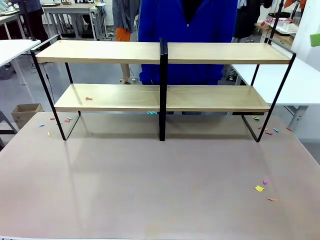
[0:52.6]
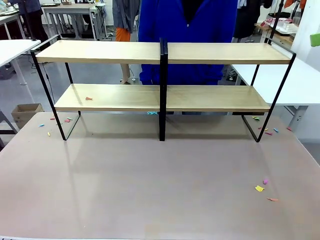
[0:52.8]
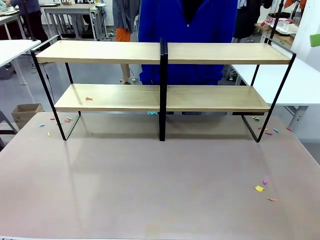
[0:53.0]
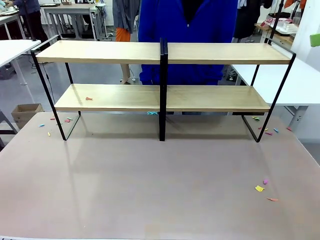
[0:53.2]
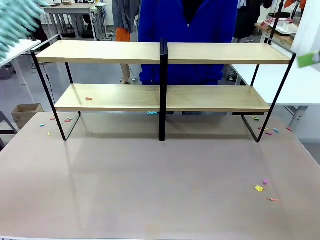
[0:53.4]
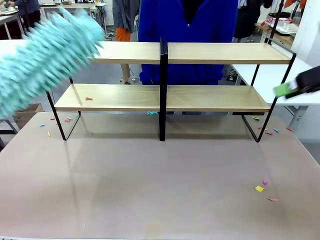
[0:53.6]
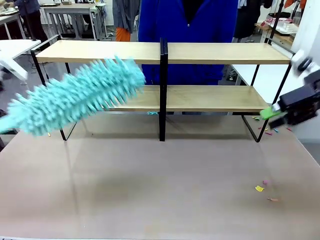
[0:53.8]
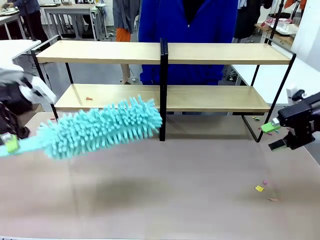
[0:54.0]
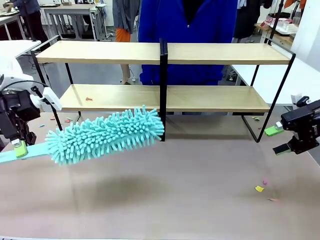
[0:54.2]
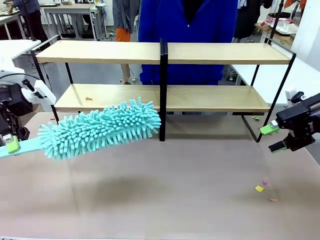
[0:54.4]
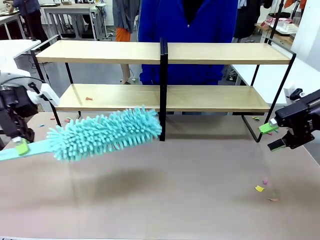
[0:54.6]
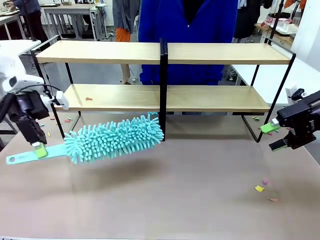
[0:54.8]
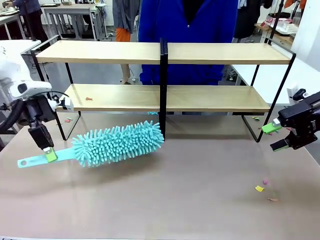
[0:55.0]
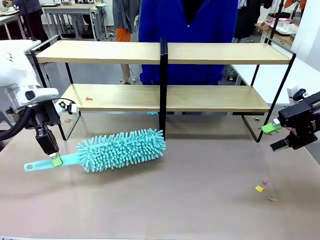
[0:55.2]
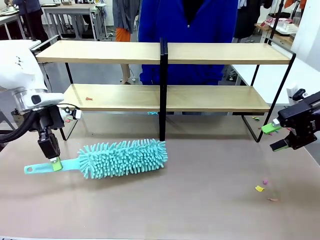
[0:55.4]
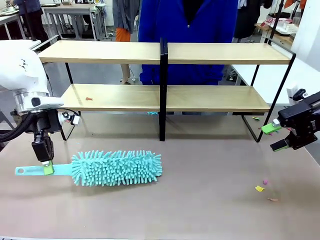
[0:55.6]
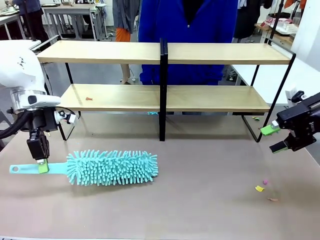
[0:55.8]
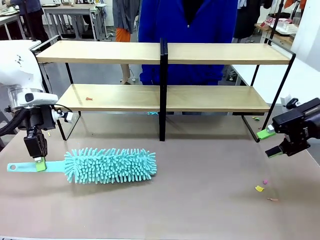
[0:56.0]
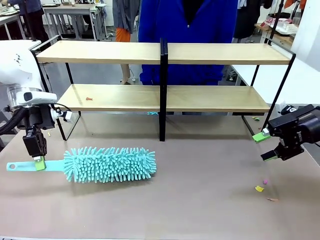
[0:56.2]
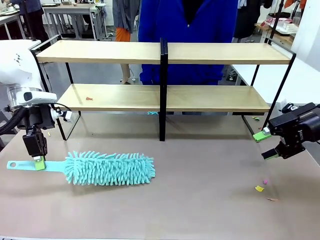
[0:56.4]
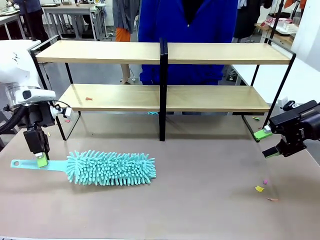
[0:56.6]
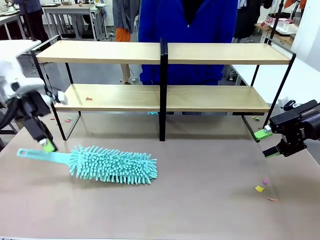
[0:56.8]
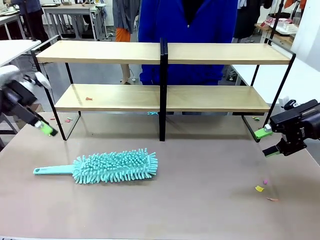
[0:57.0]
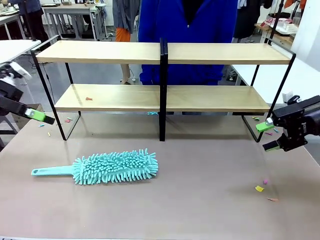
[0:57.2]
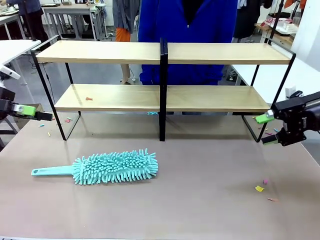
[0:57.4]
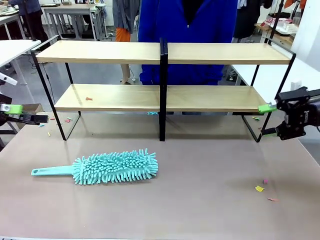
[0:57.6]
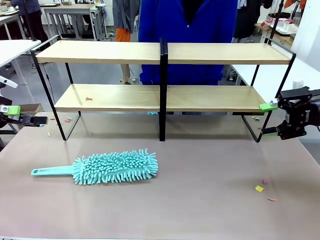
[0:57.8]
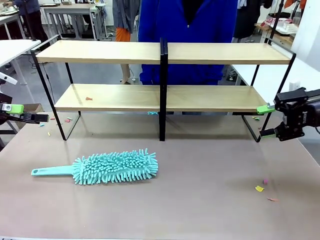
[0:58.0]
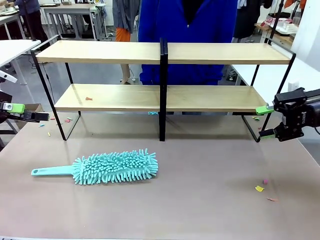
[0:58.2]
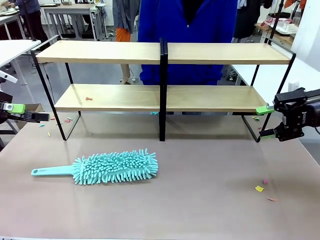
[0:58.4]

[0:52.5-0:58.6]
Task: Clean the shelves.
Robot: Place the Duster on the table.

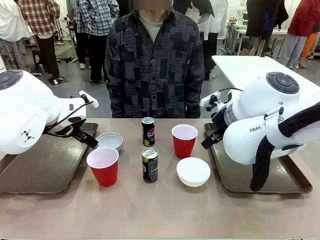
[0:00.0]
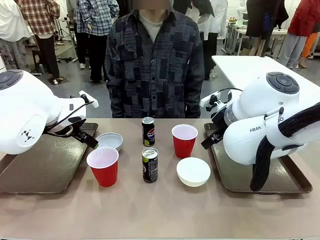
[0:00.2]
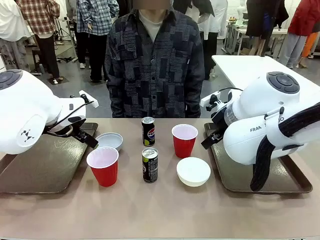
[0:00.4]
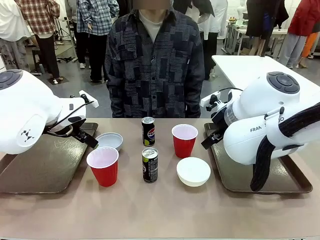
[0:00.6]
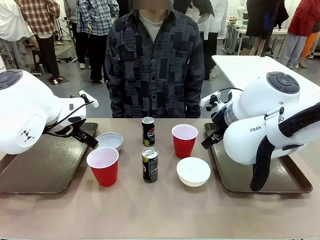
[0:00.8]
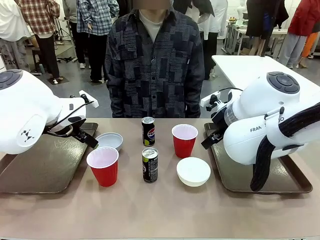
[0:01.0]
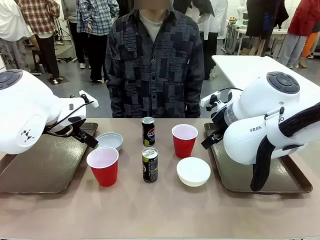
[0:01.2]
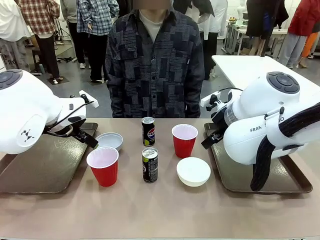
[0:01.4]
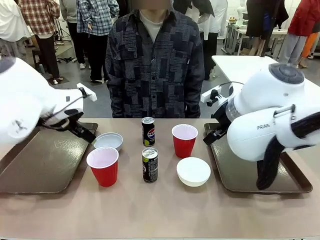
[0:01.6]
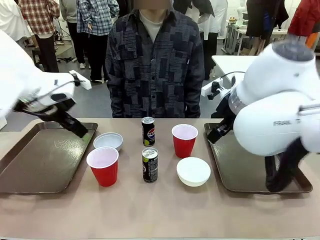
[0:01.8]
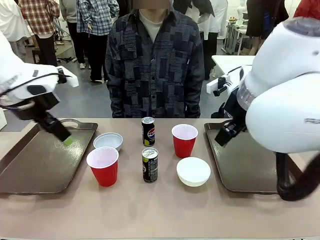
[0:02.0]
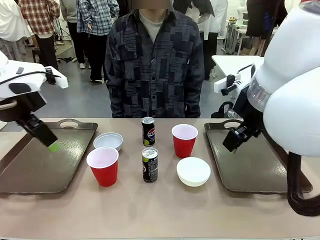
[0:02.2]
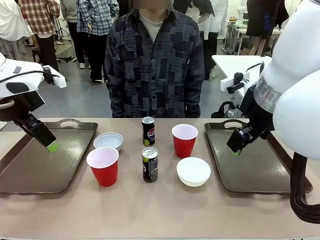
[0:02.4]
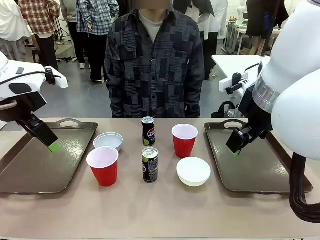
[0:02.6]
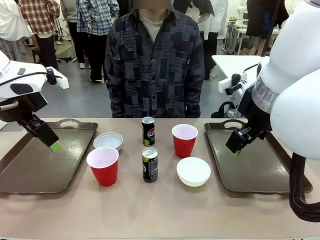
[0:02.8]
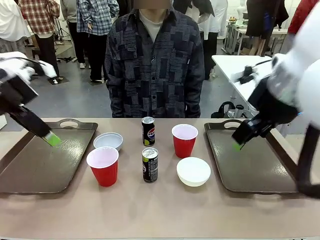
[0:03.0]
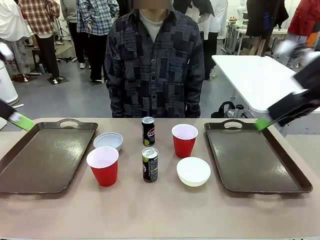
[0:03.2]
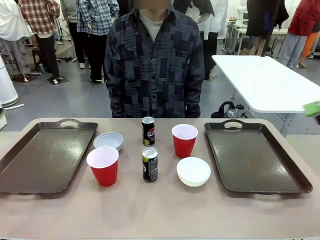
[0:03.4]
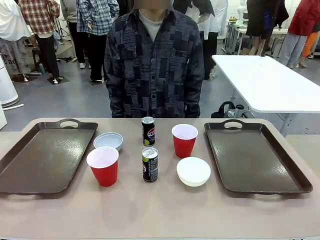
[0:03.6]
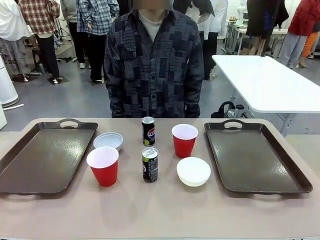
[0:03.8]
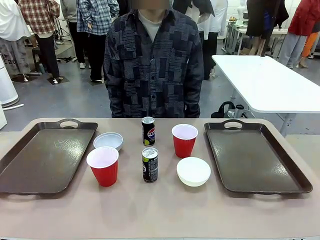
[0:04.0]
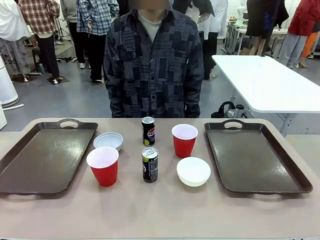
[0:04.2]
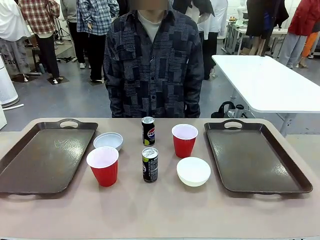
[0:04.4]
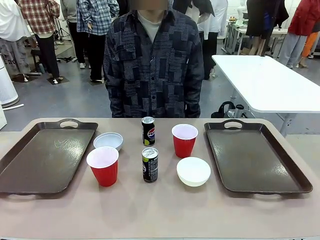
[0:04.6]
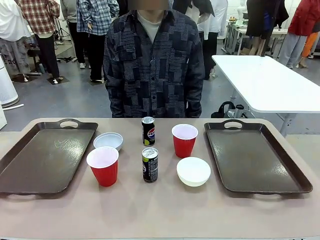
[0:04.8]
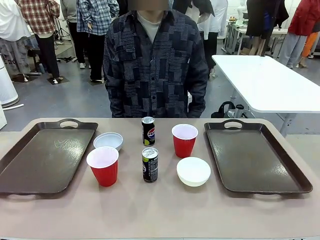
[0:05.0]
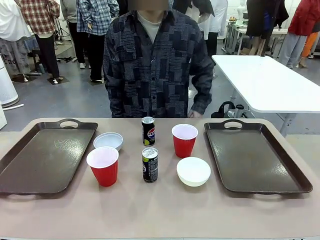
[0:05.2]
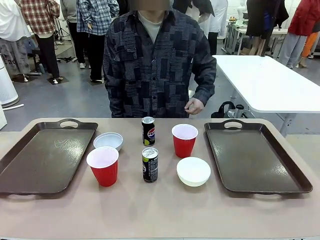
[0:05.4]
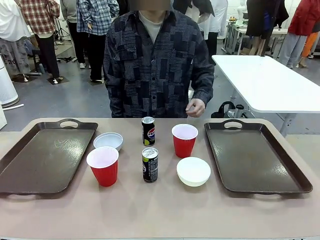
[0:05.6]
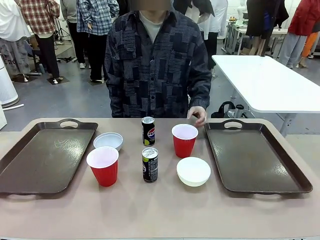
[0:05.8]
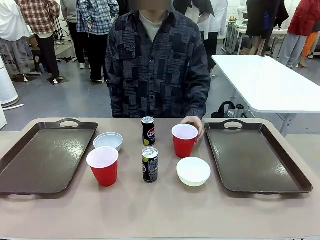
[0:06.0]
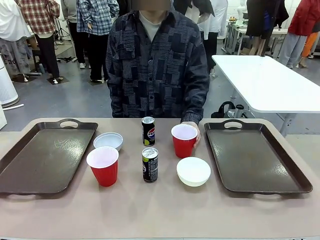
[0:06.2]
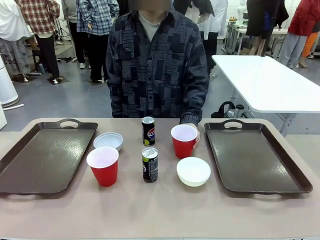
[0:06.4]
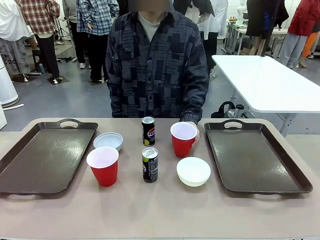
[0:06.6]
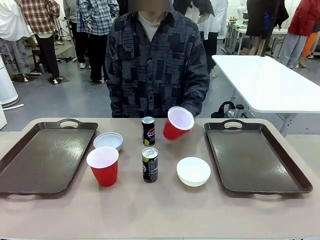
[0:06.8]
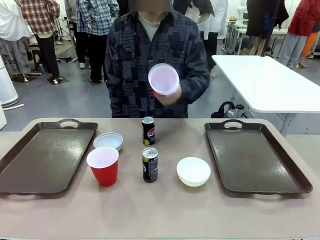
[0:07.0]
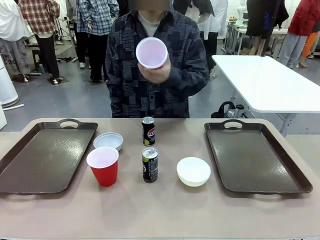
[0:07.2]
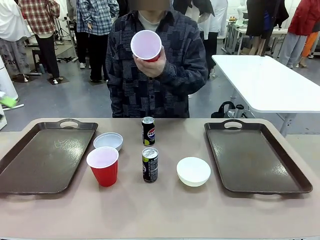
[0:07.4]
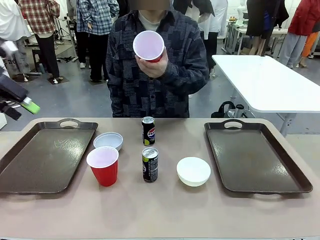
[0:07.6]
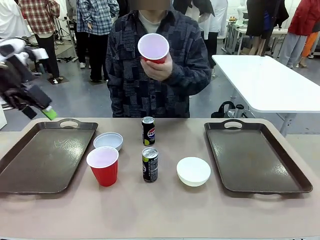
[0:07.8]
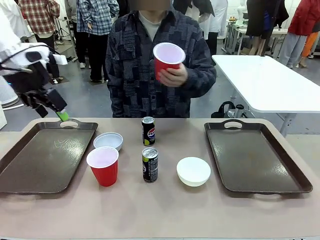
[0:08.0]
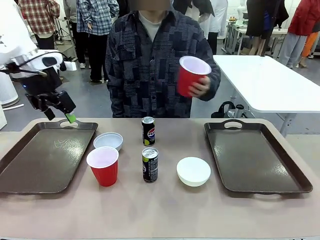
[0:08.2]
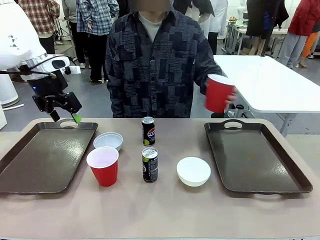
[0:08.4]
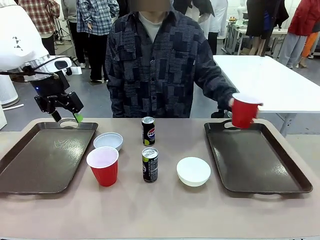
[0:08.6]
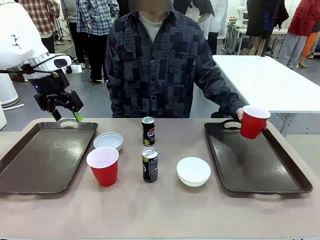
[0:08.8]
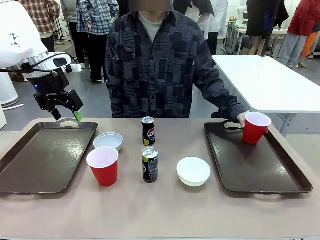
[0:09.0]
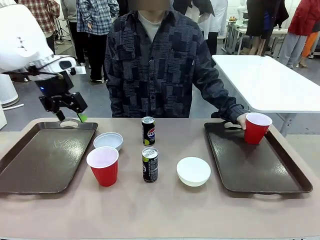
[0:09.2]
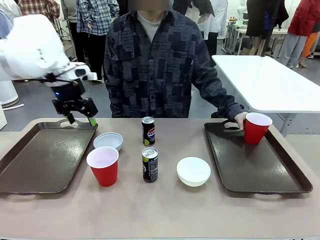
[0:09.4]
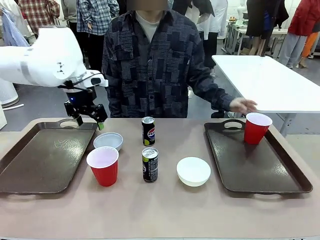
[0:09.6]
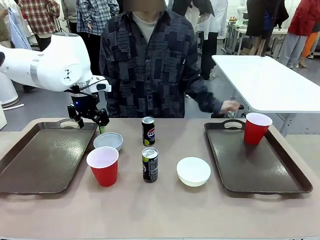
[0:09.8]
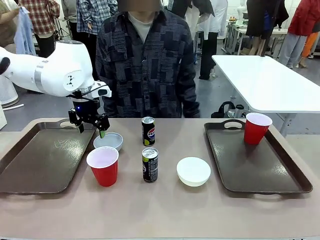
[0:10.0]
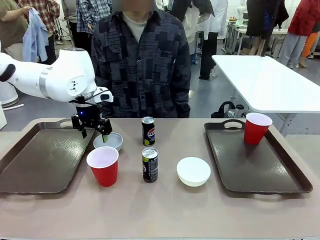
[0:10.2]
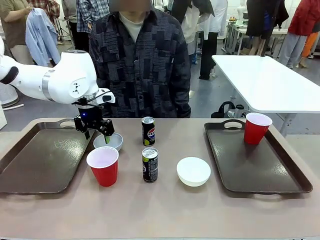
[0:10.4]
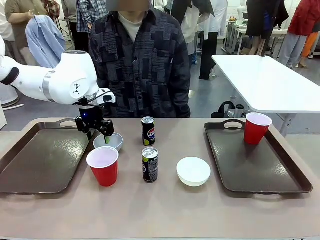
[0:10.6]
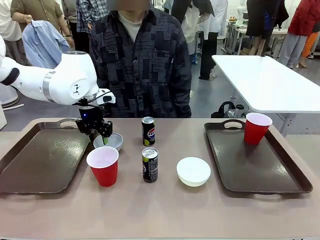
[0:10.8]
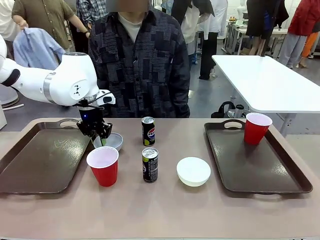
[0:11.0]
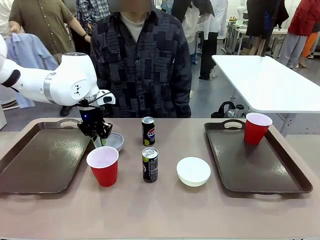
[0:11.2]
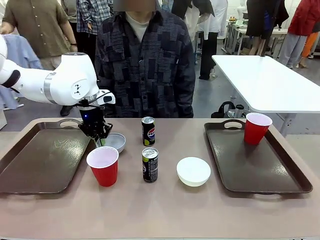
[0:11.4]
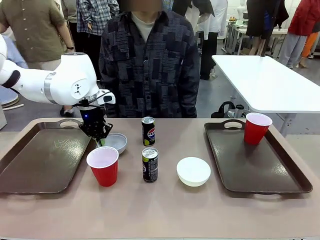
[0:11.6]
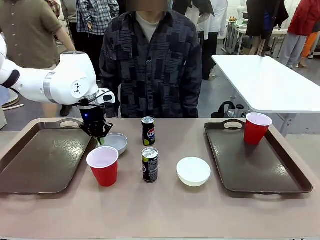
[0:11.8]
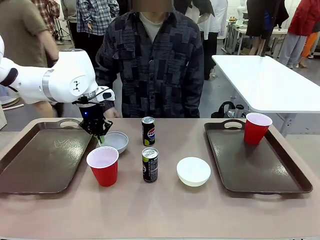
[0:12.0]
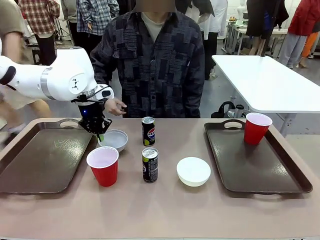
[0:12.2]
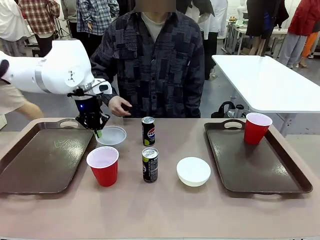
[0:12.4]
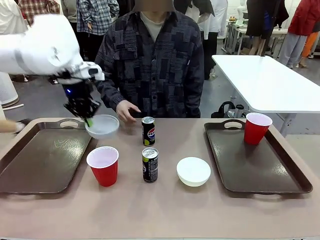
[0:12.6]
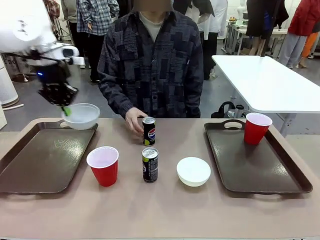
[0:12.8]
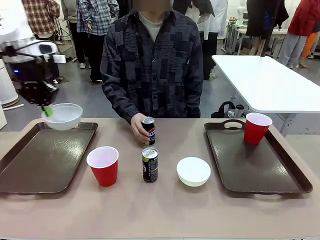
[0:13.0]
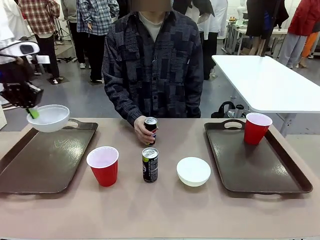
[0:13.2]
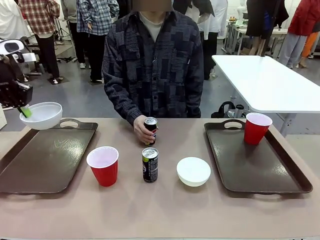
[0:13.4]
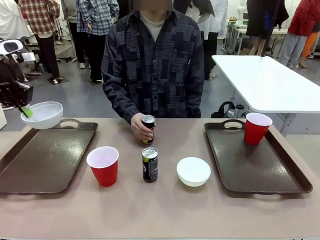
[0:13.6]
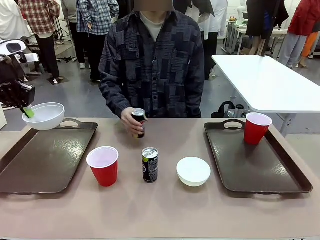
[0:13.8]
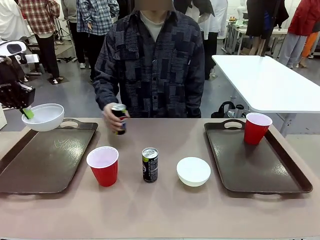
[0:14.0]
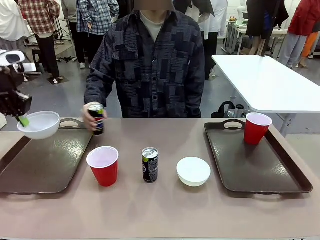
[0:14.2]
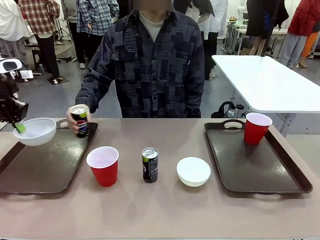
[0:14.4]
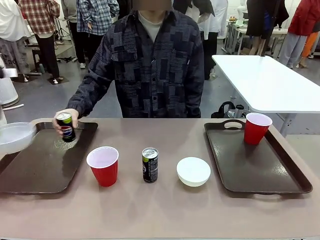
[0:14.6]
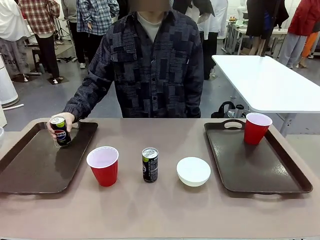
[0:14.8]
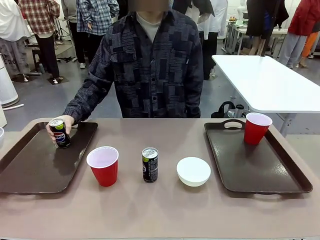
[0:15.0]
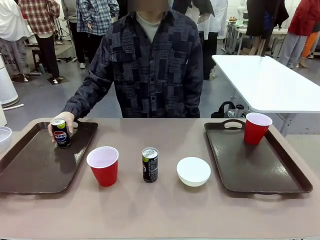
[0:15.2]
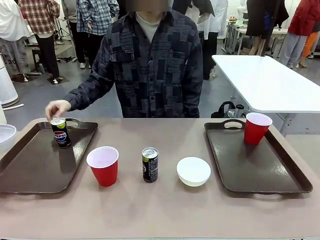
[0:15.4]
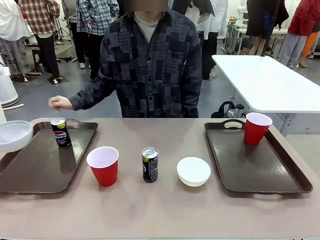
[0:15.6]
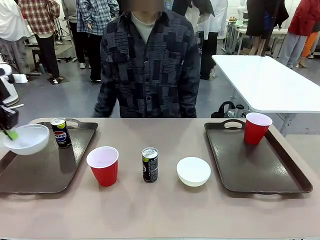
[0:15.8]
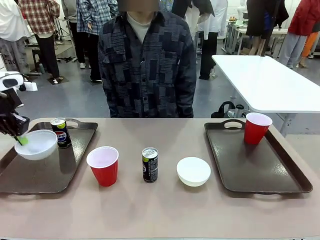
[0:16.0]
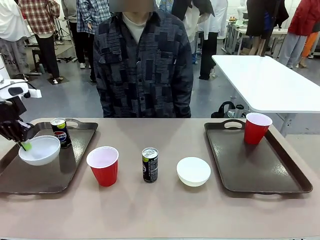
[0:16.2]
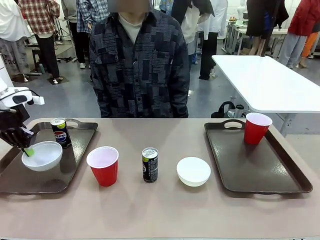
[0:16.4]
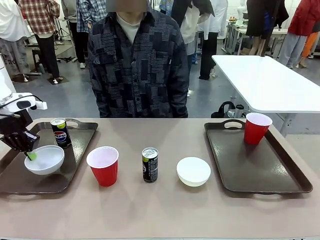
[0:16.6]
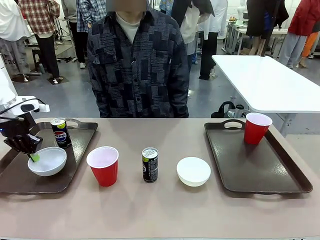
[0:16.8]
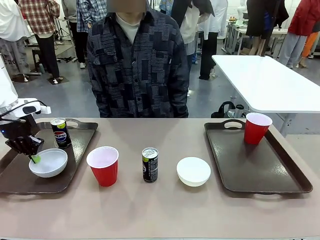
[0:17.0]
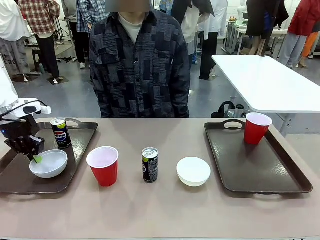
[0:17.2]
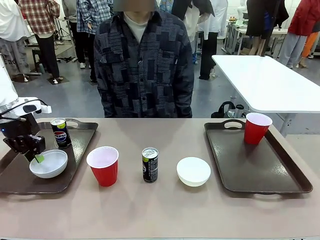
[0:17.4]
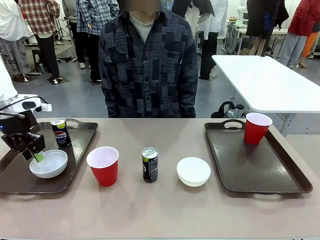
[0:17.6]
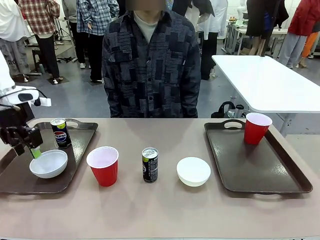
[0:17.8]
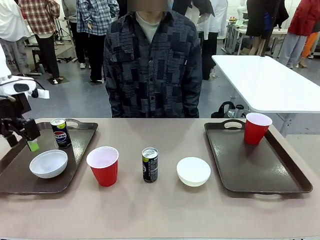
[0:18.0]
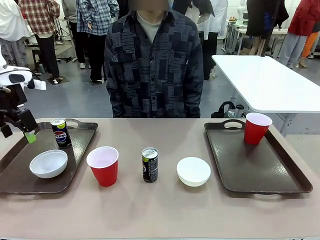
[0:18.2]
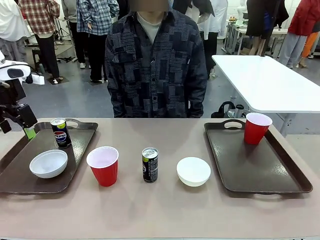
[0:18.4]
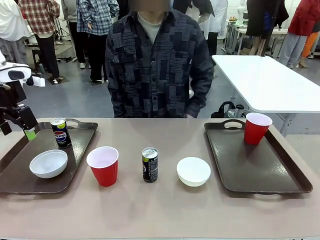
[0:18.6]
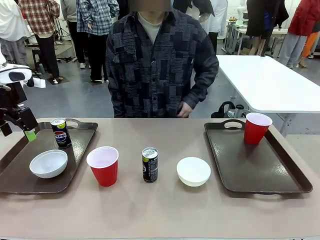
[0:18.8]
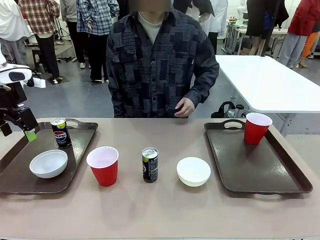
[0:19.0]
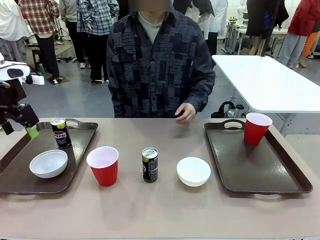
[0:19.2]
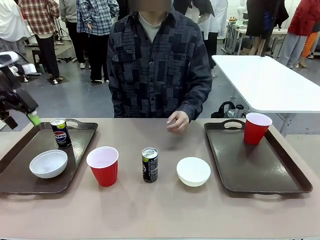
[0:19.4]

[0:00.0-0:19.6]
Task: Prepare tableware on both trays.
Robot: Pick up a Picnic Bowl from the table and place it on a Handle tray.
Person: Pick up a can or cup and place it on the tray.
